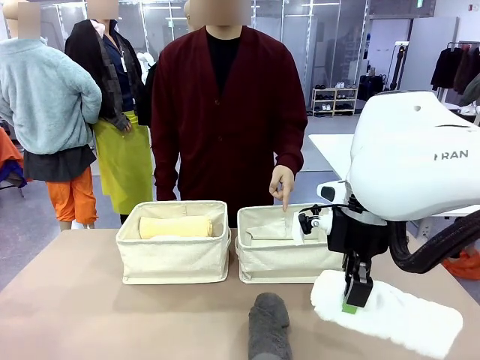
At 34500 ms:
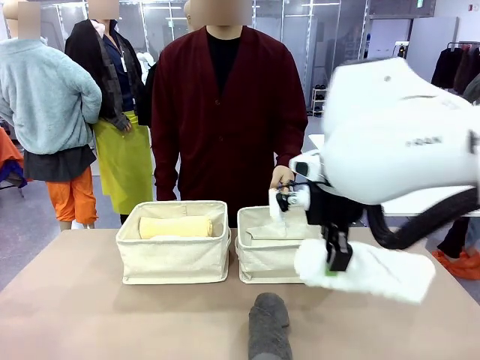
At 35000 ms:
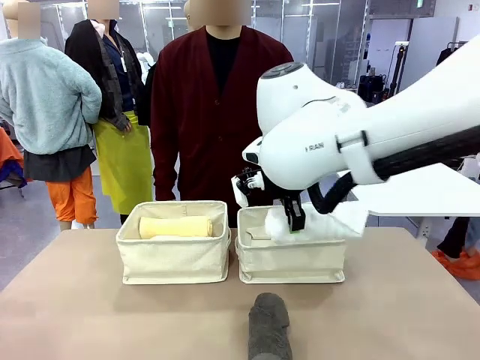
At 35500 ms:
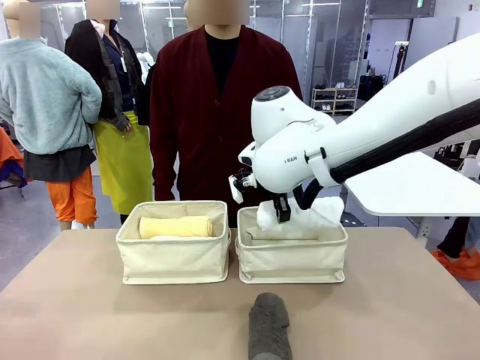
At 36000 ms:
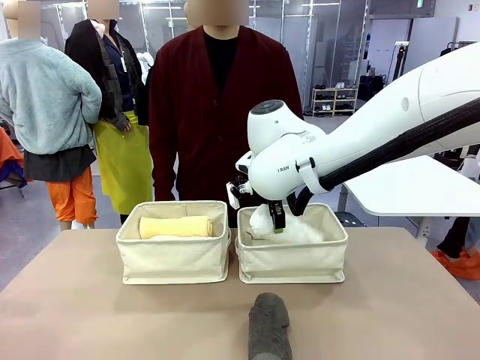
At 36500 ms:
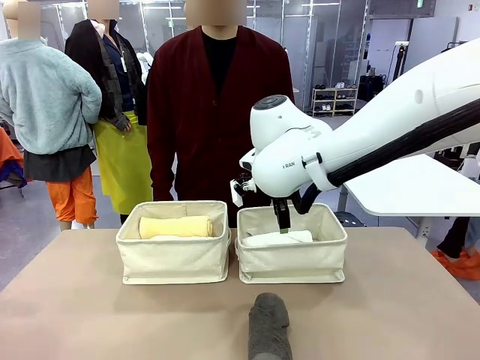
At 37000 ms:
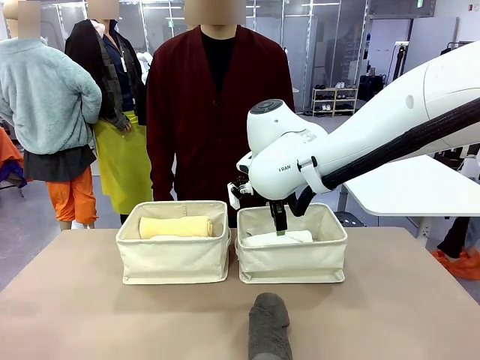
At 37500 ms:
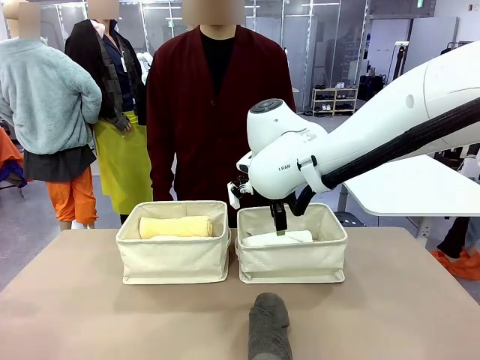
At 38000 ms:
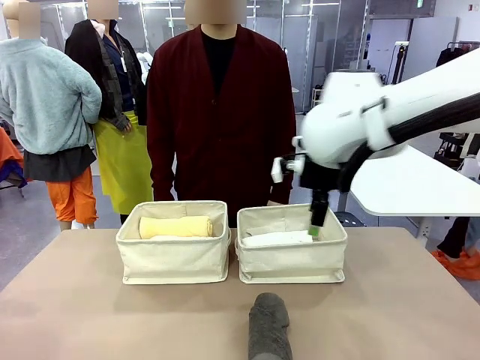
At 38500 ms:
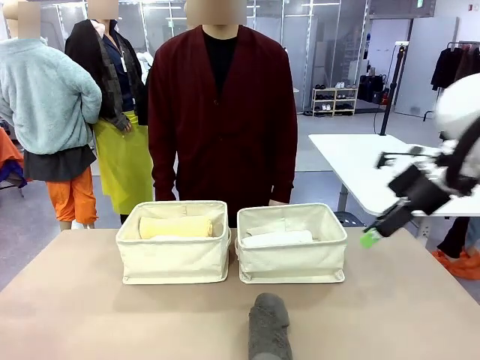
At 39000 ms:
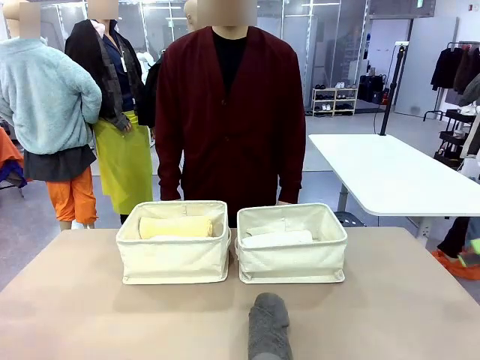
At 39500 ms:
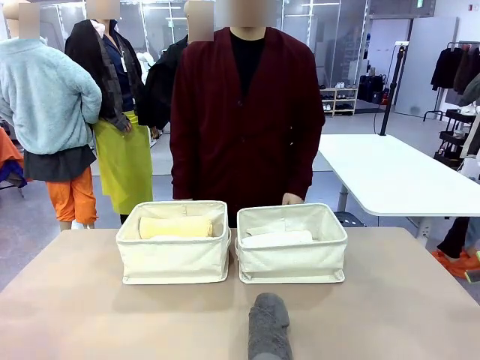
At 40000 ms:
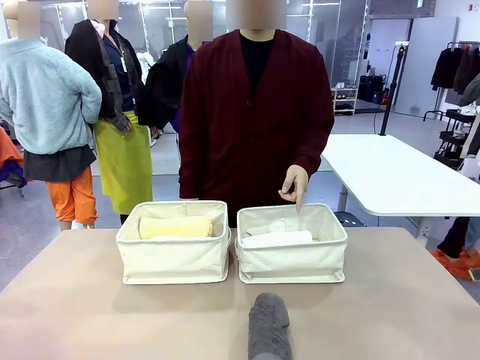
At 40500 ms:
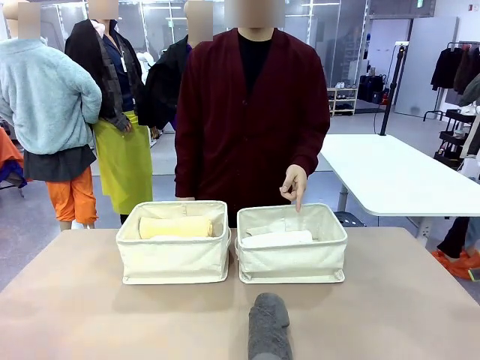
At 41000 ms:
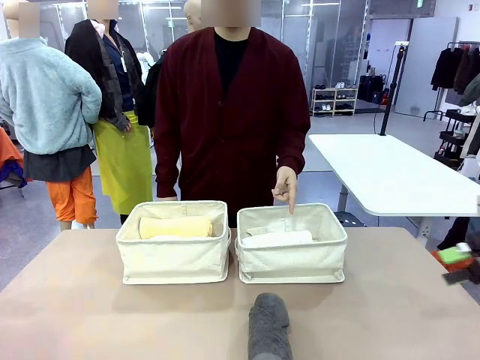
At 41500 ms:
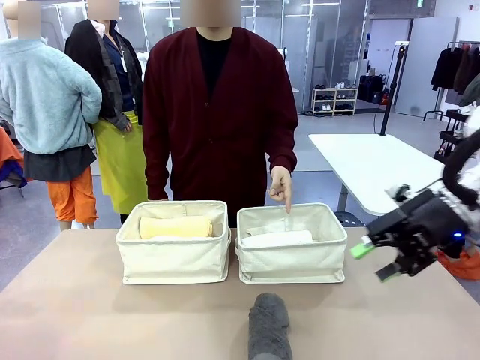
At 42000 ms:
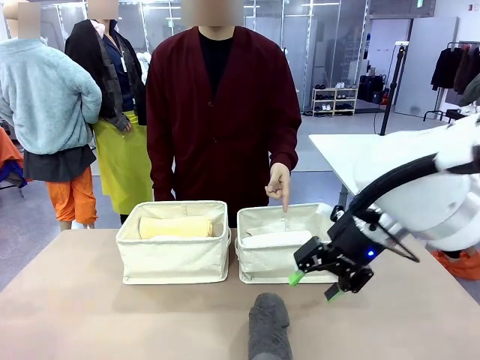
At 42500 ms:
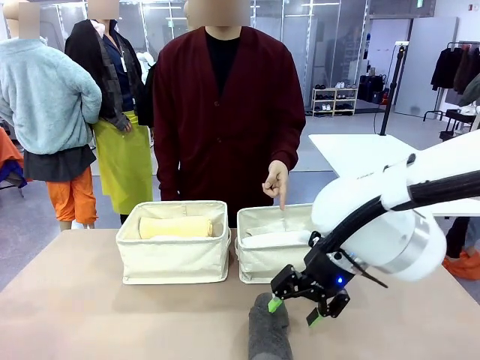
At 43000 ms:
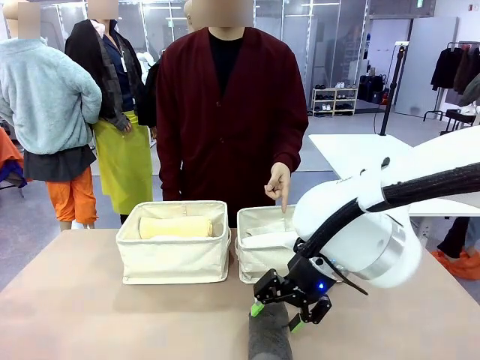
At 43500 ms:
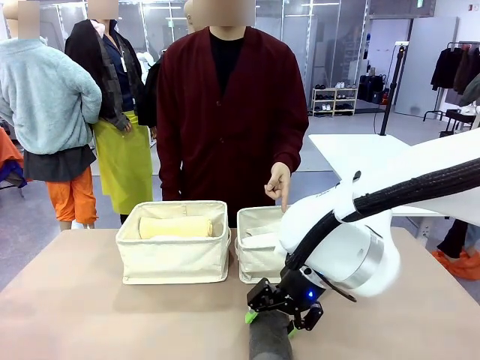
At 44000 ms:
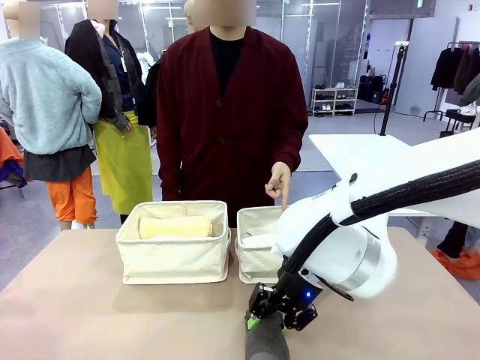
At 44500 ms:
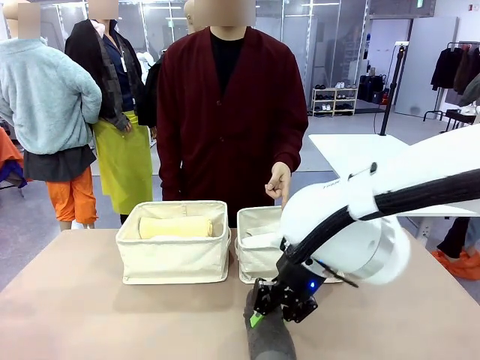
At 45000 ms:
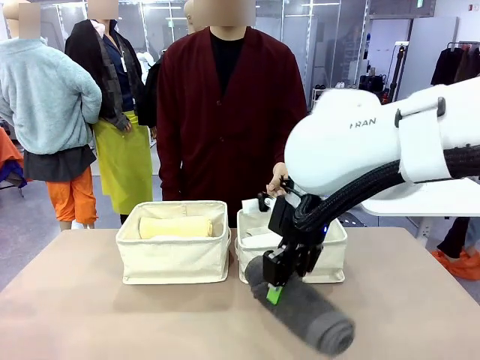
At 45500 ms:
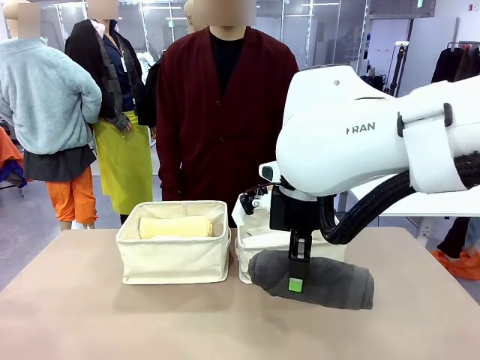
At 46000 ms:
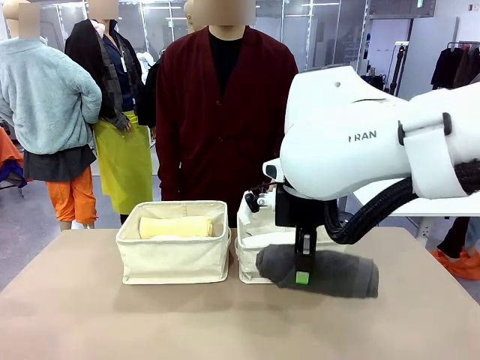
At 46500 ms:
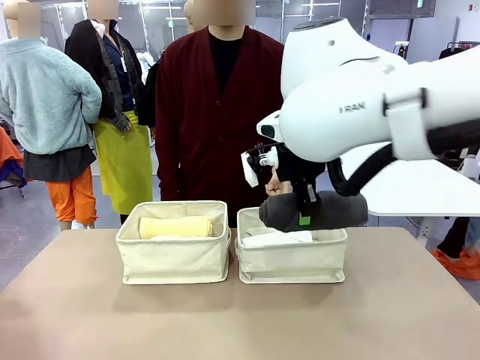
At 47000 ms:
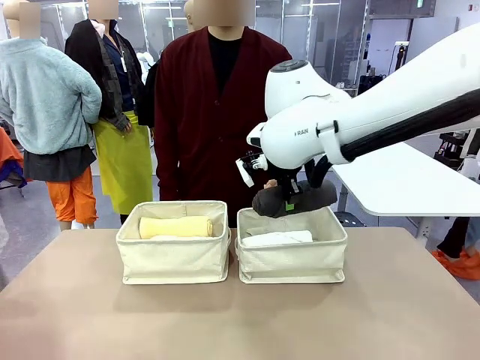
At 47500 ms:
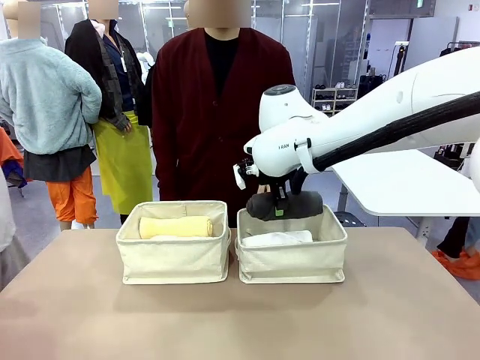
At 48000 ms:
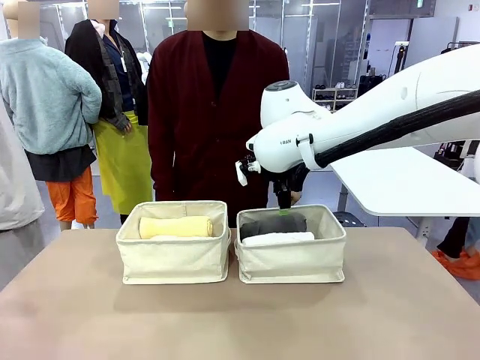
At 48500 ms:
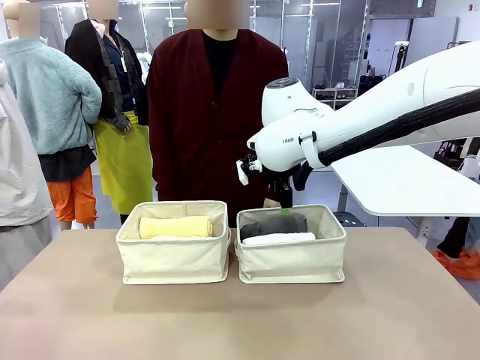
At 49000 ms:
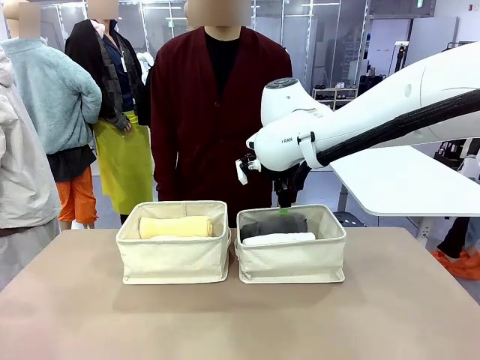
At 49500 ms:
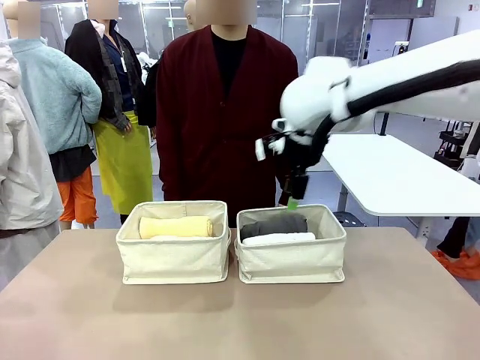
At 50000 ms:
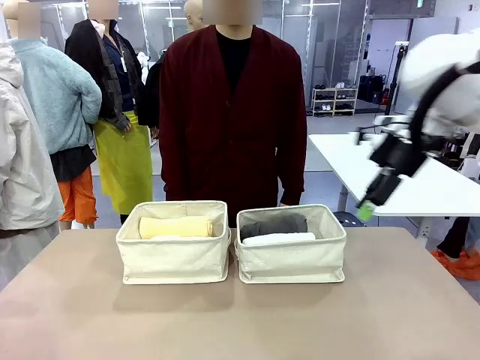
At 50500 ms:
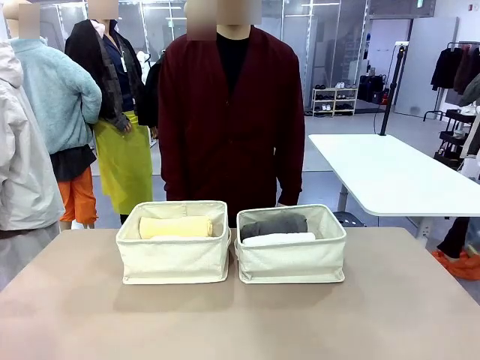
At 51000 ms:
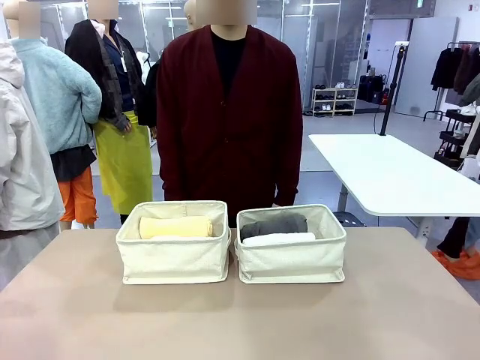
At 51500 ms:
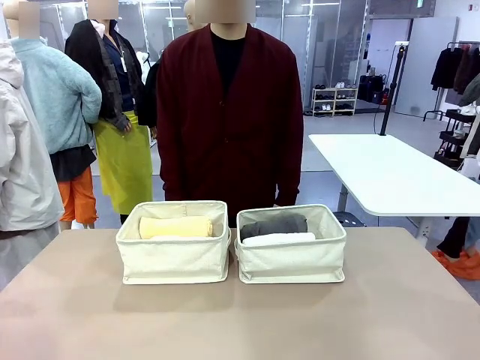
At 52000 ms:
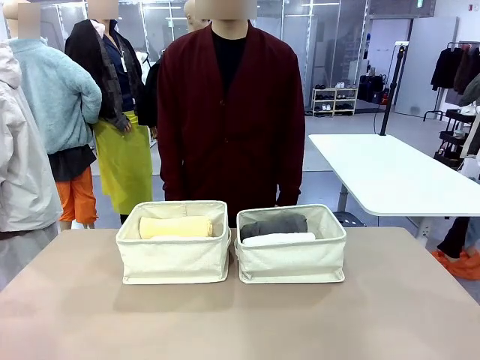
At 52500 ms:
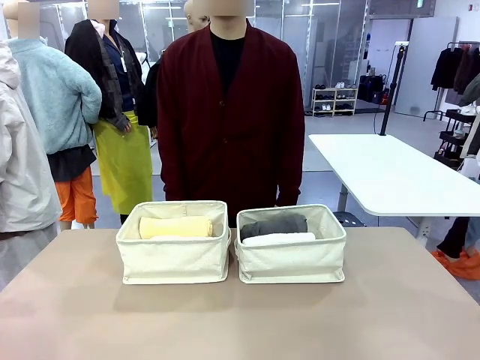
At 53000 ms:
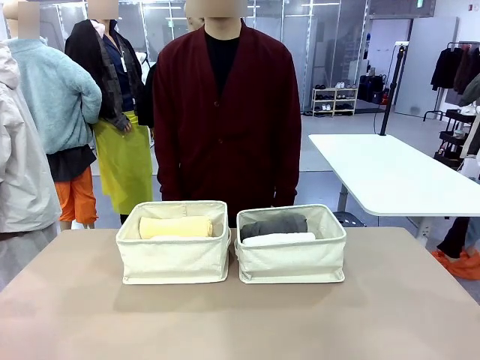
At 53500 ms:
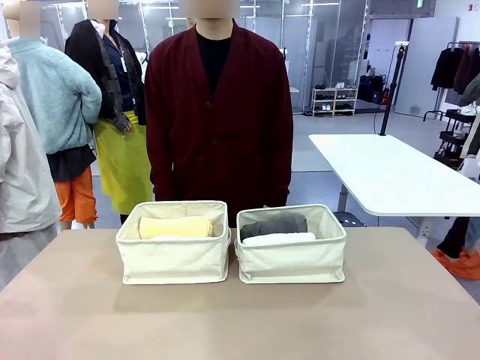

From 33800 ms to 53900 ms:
Task: Divide the towels into two baskets.
Robot: Pick up one hotel-folded towel from the bottom of the table and place it in the Fabric basket indicated by the person.

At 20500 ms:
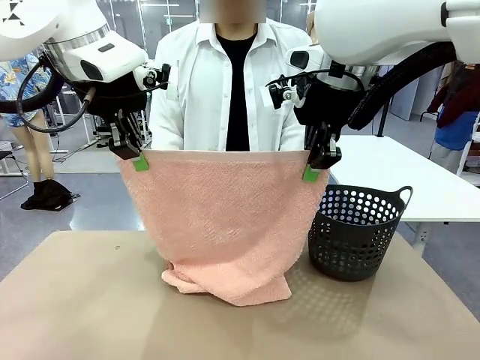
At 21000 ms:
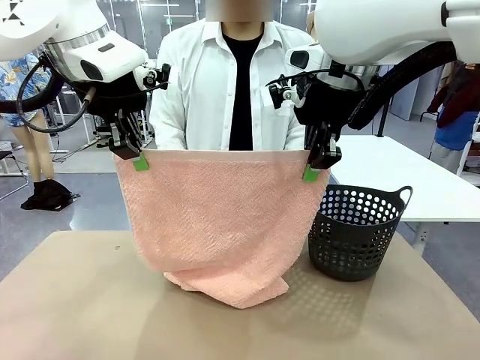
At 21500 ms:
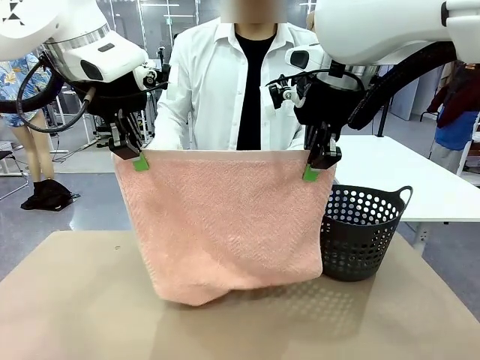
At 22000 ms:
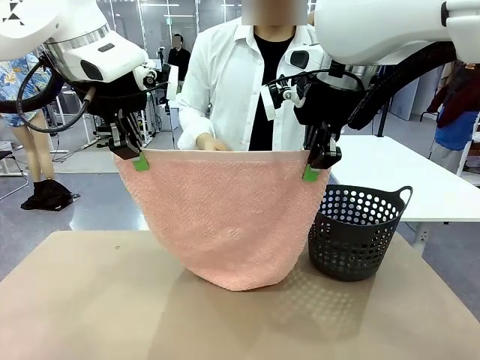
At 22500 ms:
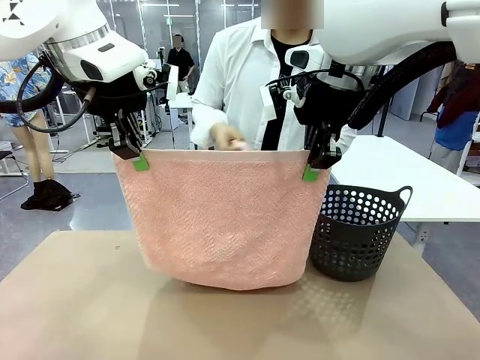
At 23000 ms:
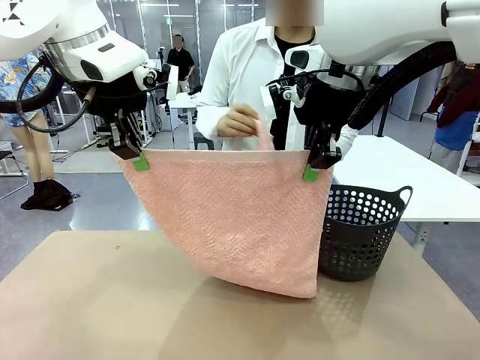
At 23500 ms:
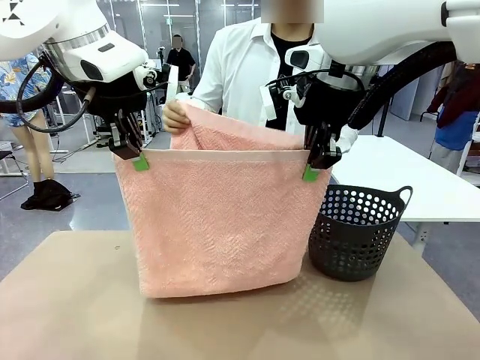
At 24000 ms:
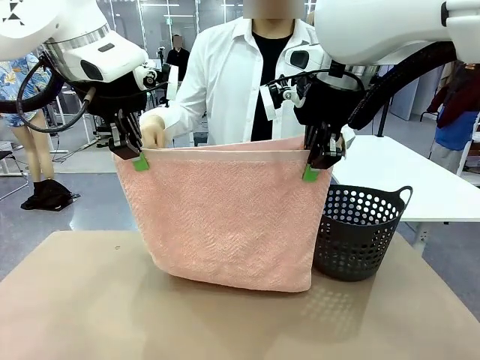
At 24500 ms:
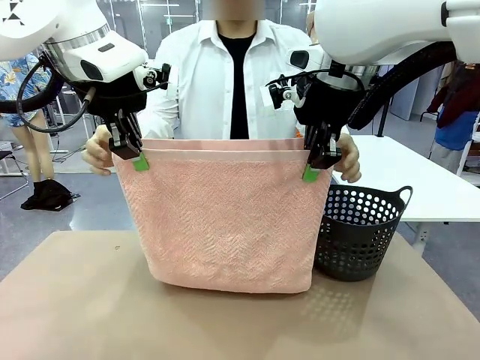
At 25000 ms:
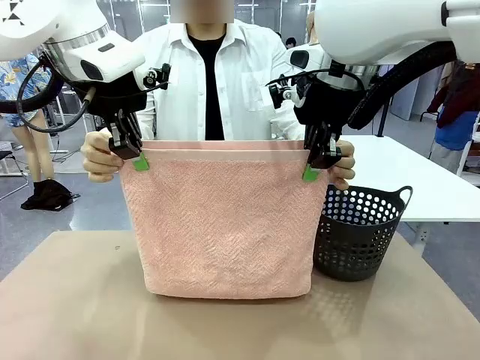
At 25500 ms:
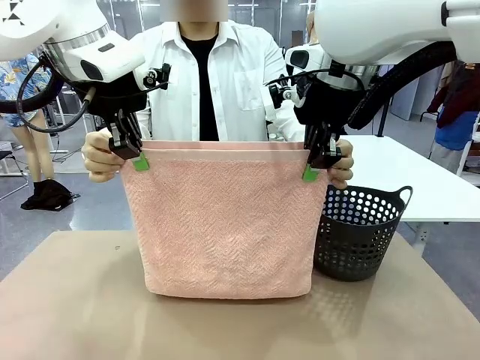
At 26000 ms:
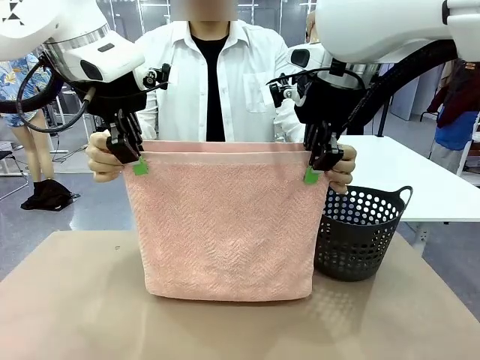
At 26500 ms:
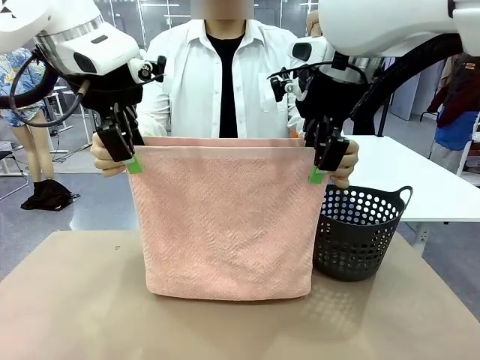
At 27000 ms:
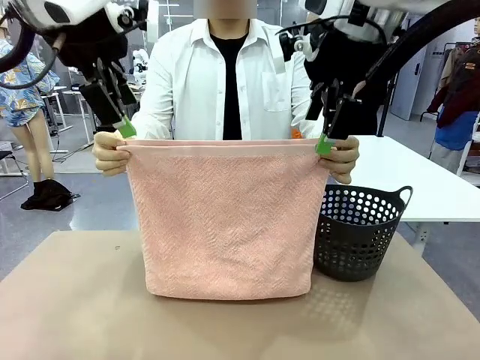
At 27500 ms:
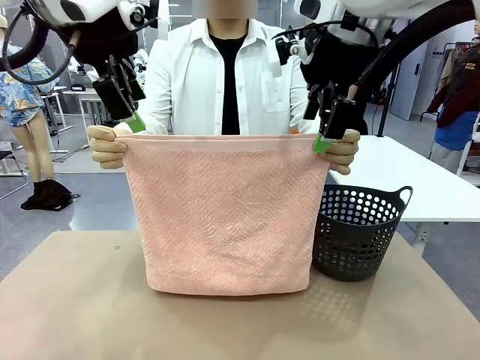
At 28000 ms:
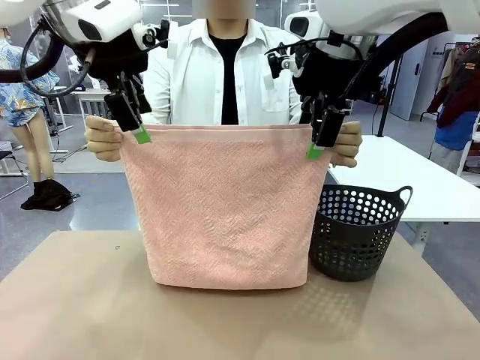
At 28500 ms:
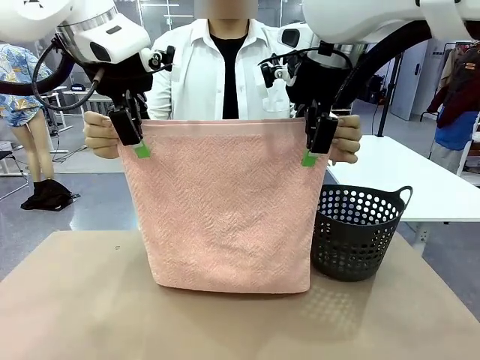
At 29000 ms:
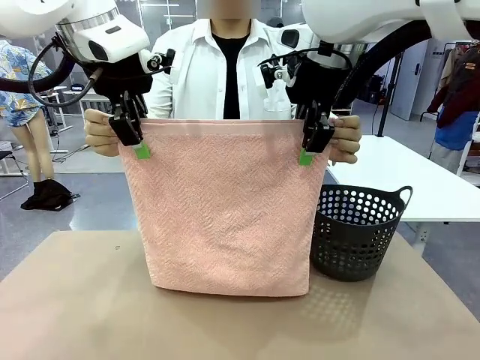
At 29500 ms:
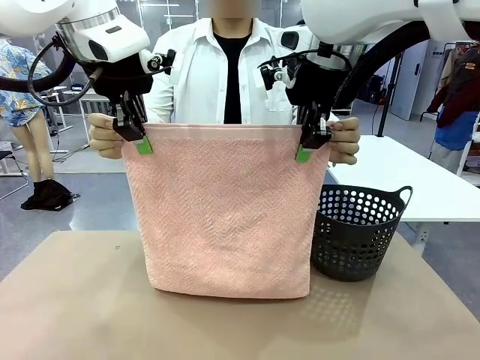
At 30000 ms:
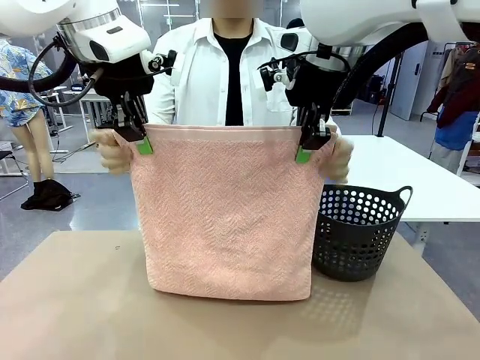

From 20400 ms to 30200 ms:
Task: Fold the towel.
Robot: Release the end of the 100 cm Hotel Towel you were holding and grab the top end of the folded side.
